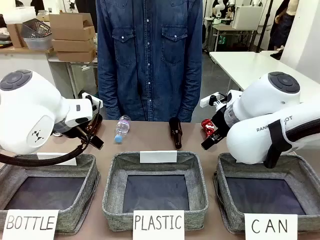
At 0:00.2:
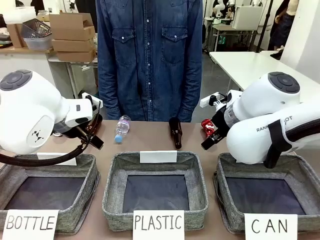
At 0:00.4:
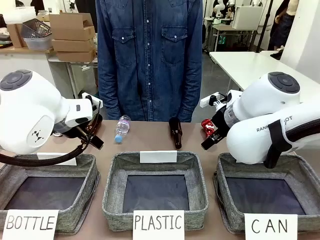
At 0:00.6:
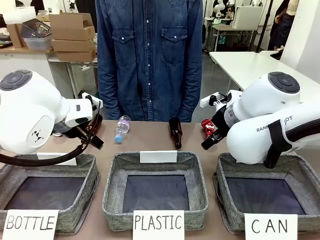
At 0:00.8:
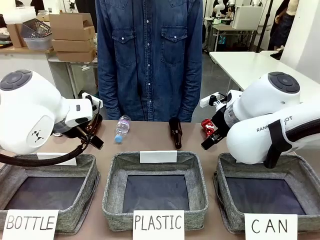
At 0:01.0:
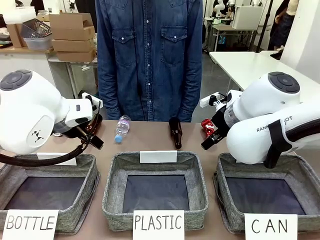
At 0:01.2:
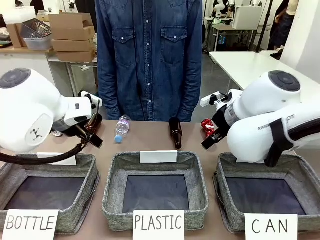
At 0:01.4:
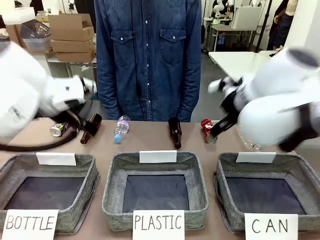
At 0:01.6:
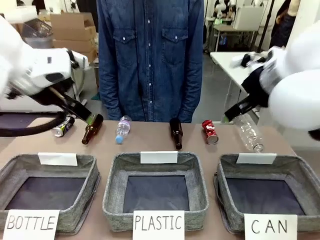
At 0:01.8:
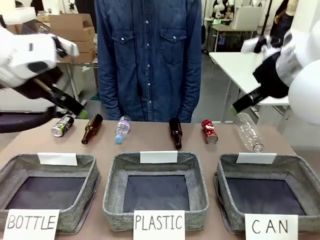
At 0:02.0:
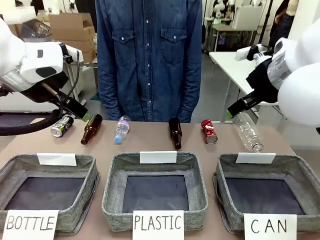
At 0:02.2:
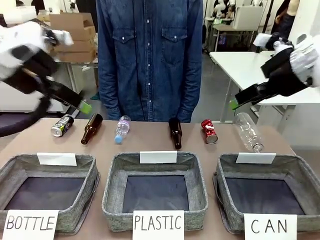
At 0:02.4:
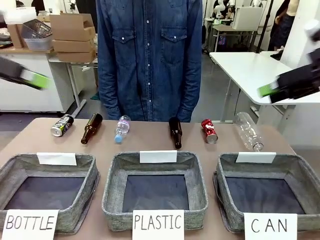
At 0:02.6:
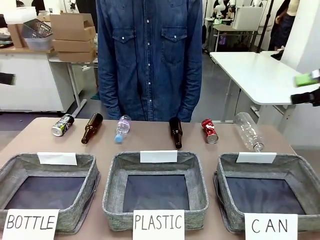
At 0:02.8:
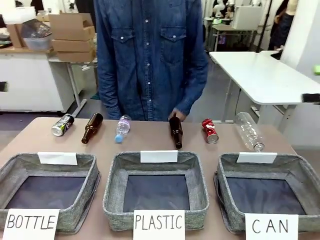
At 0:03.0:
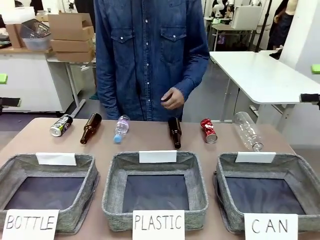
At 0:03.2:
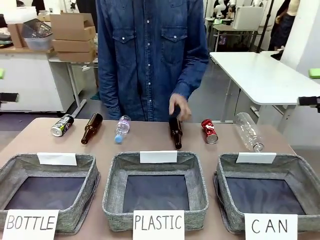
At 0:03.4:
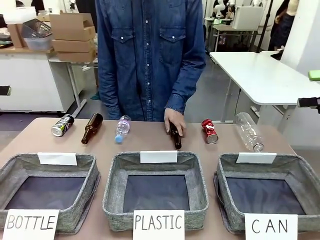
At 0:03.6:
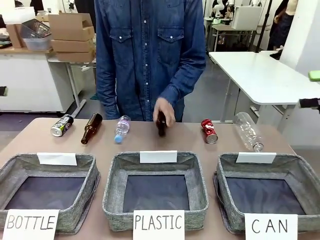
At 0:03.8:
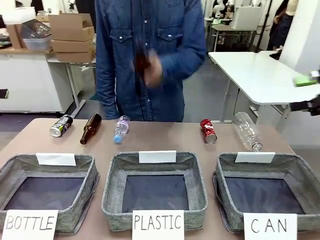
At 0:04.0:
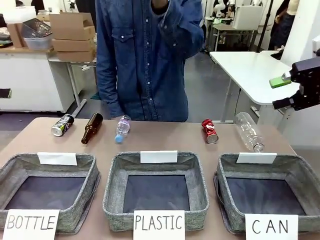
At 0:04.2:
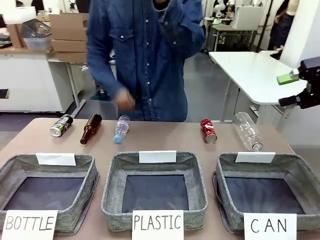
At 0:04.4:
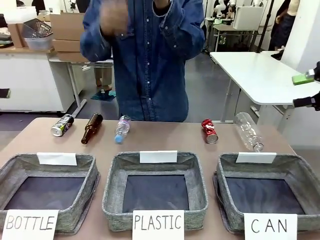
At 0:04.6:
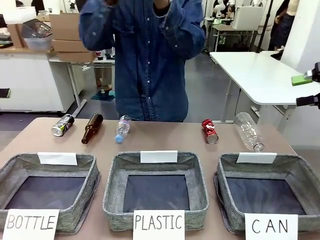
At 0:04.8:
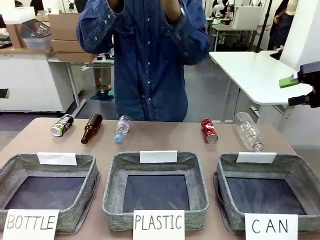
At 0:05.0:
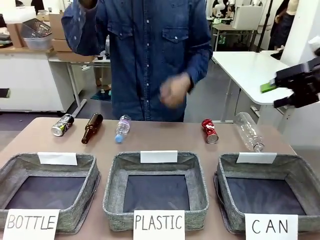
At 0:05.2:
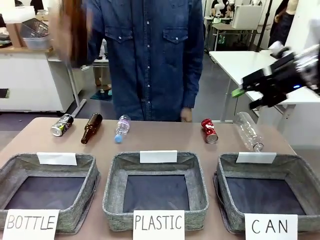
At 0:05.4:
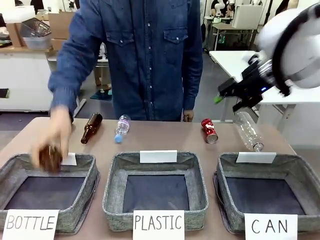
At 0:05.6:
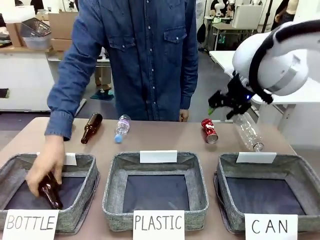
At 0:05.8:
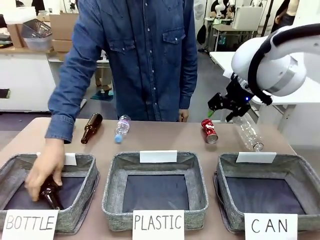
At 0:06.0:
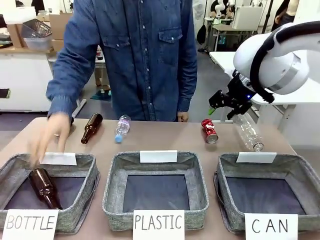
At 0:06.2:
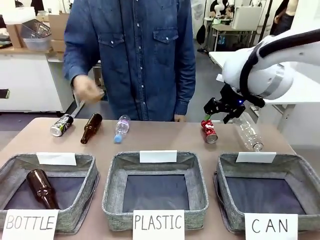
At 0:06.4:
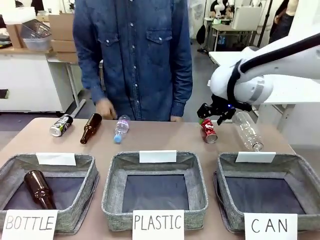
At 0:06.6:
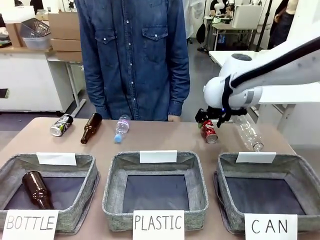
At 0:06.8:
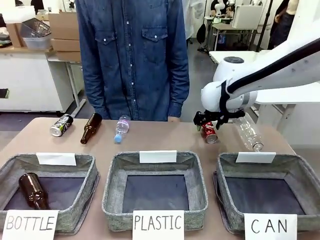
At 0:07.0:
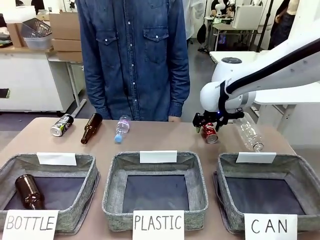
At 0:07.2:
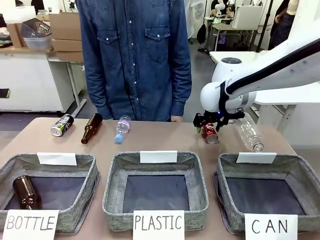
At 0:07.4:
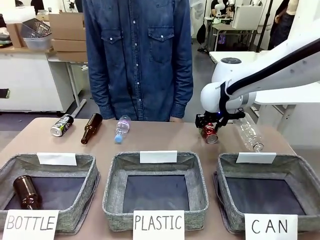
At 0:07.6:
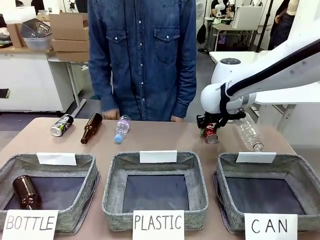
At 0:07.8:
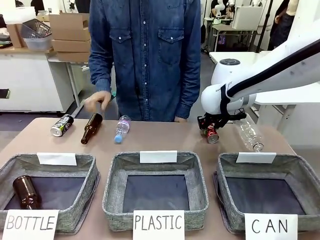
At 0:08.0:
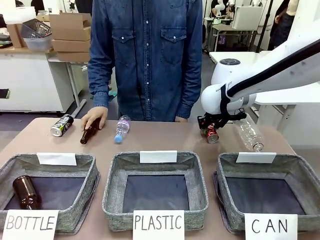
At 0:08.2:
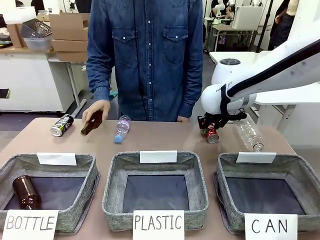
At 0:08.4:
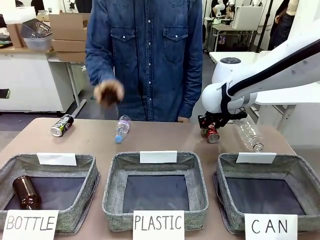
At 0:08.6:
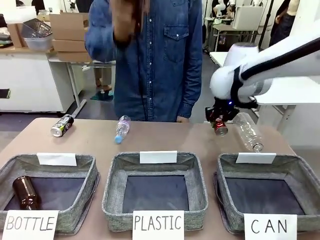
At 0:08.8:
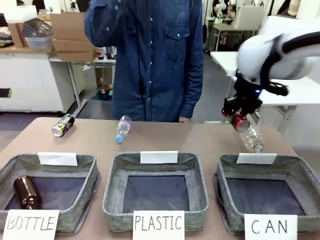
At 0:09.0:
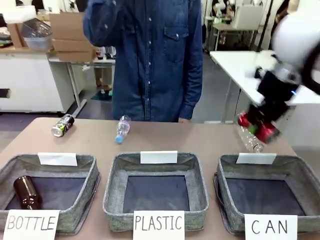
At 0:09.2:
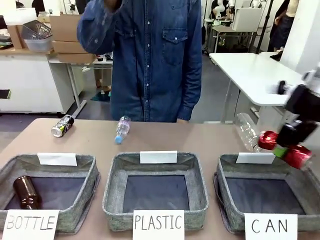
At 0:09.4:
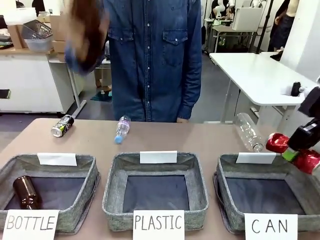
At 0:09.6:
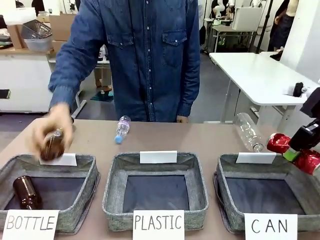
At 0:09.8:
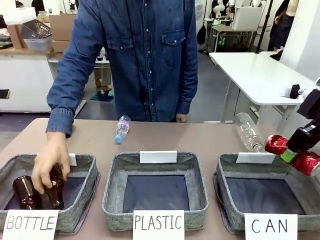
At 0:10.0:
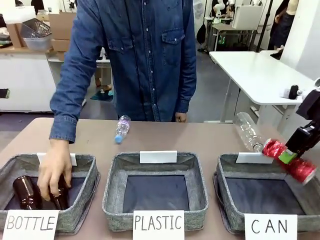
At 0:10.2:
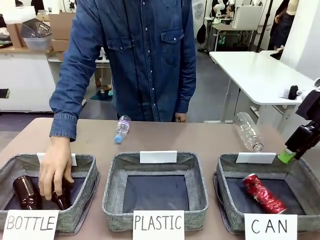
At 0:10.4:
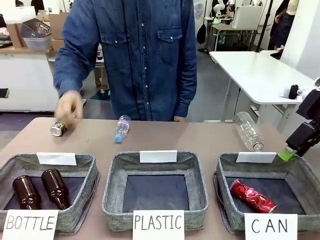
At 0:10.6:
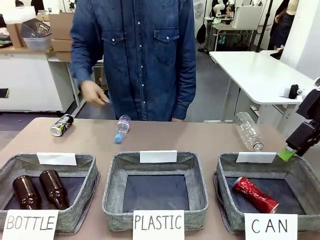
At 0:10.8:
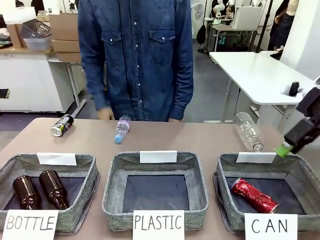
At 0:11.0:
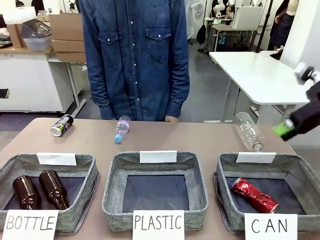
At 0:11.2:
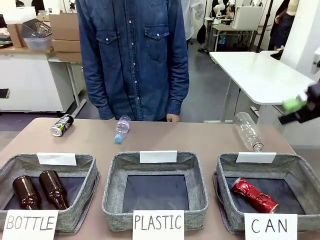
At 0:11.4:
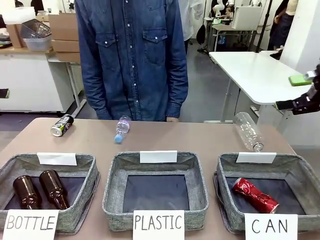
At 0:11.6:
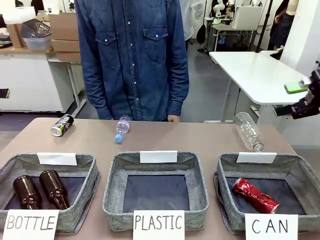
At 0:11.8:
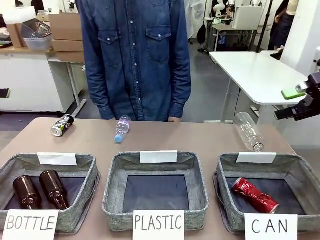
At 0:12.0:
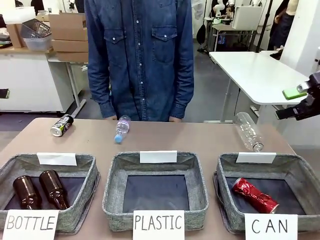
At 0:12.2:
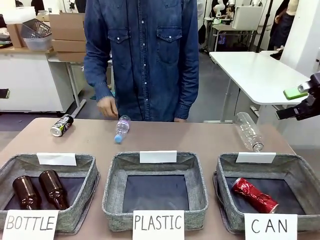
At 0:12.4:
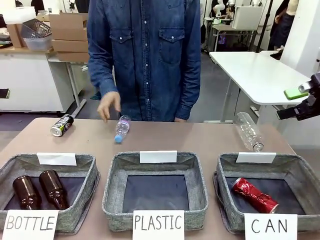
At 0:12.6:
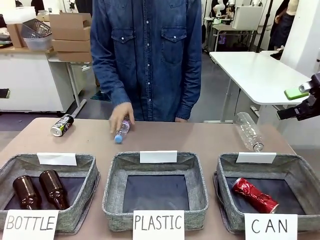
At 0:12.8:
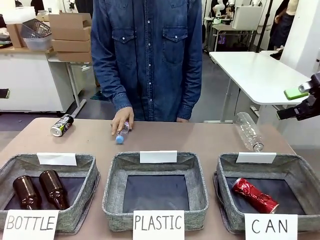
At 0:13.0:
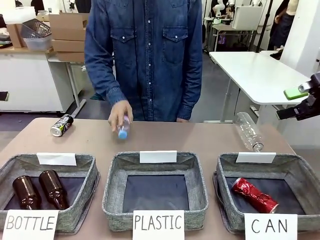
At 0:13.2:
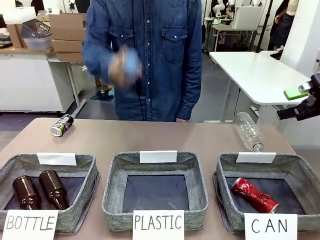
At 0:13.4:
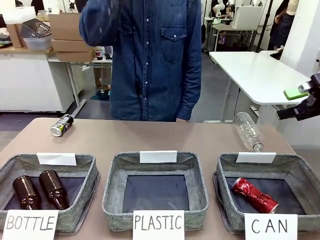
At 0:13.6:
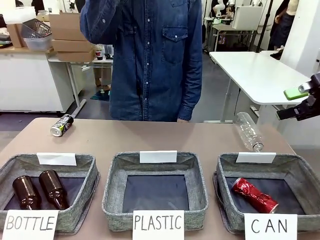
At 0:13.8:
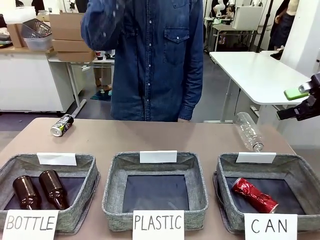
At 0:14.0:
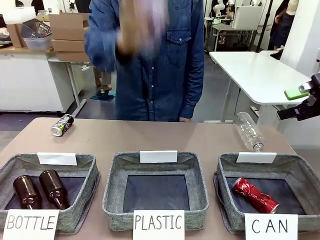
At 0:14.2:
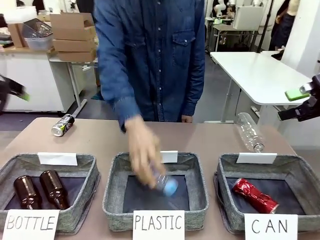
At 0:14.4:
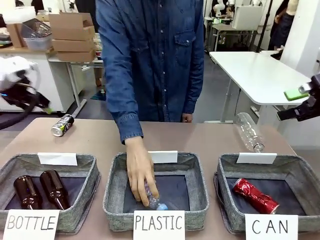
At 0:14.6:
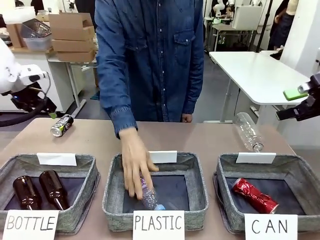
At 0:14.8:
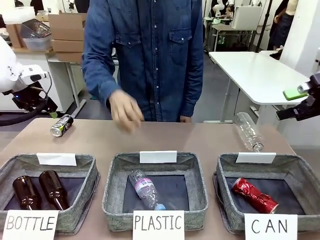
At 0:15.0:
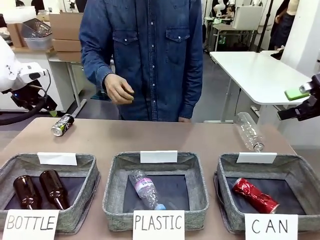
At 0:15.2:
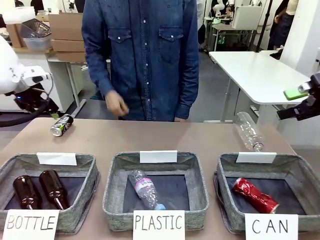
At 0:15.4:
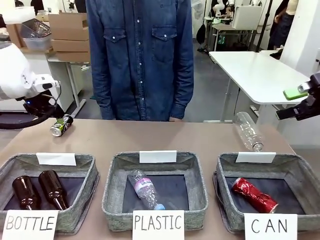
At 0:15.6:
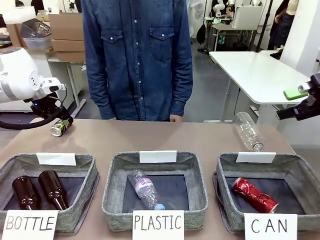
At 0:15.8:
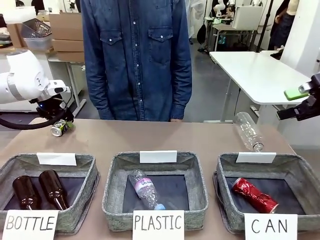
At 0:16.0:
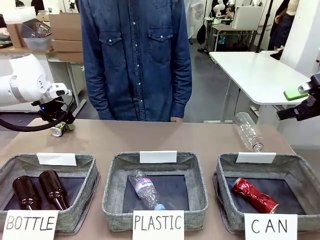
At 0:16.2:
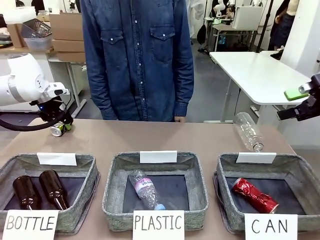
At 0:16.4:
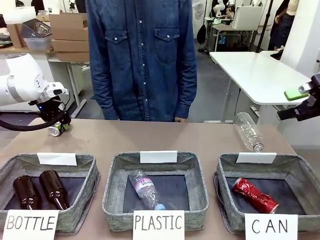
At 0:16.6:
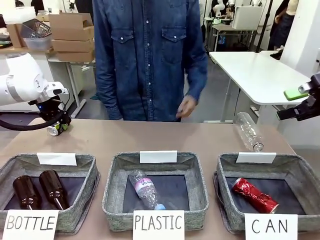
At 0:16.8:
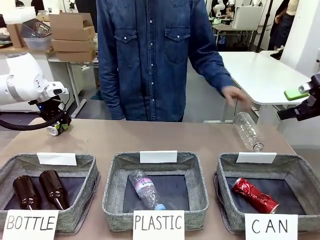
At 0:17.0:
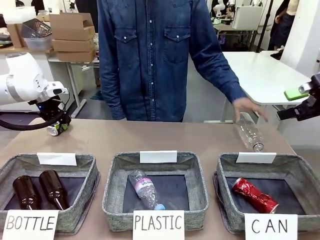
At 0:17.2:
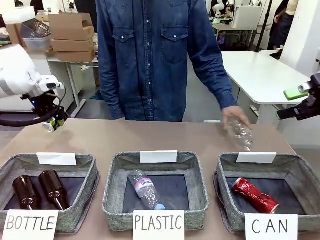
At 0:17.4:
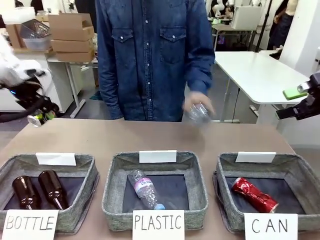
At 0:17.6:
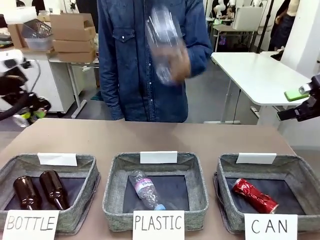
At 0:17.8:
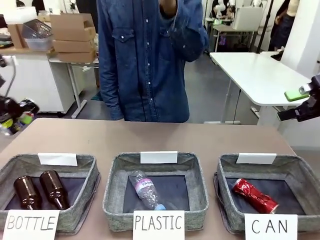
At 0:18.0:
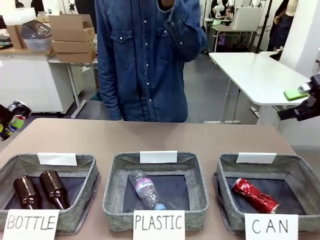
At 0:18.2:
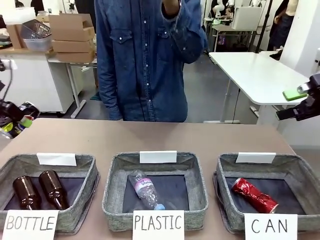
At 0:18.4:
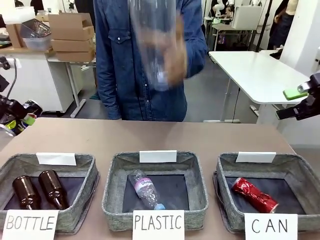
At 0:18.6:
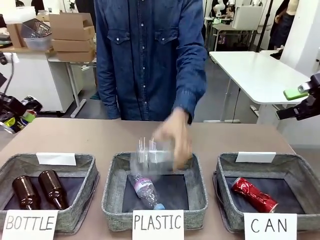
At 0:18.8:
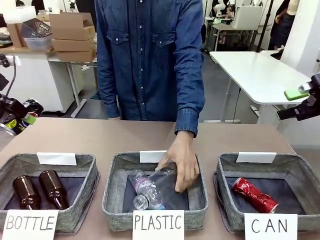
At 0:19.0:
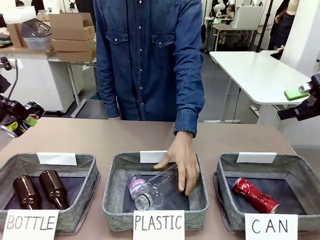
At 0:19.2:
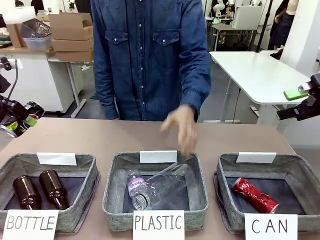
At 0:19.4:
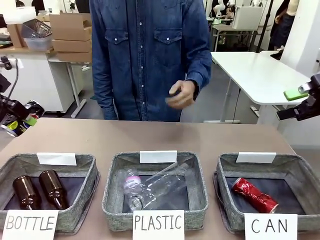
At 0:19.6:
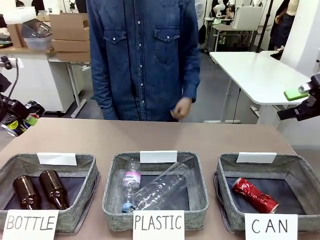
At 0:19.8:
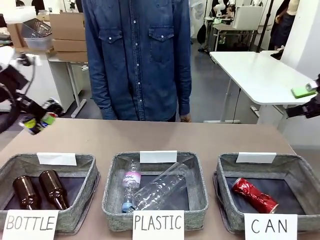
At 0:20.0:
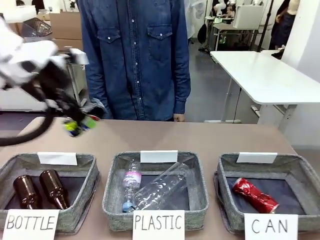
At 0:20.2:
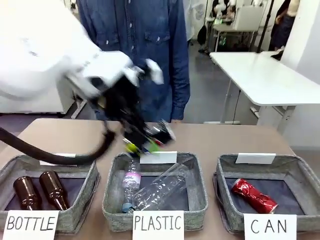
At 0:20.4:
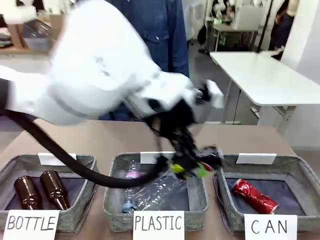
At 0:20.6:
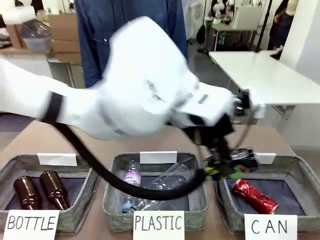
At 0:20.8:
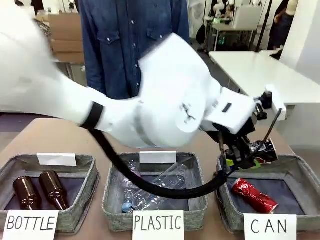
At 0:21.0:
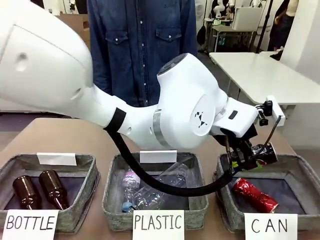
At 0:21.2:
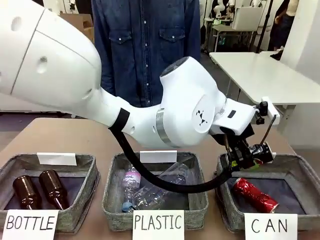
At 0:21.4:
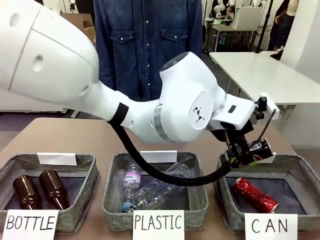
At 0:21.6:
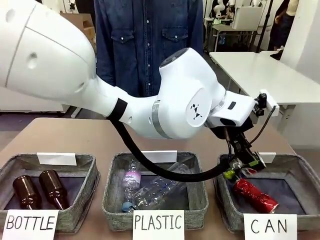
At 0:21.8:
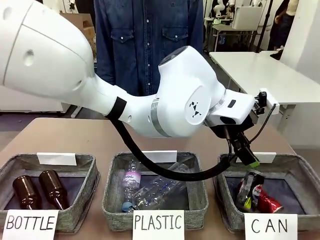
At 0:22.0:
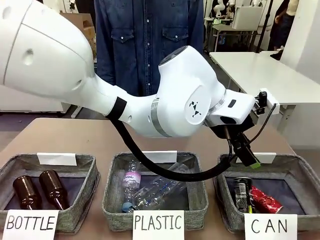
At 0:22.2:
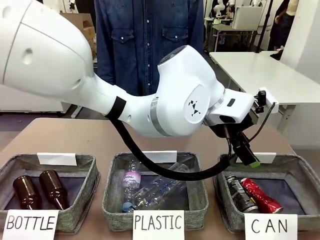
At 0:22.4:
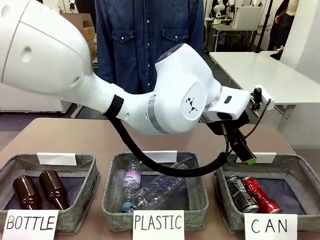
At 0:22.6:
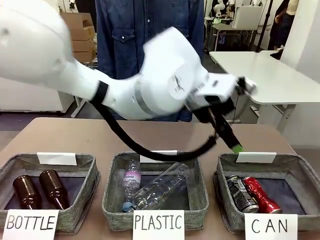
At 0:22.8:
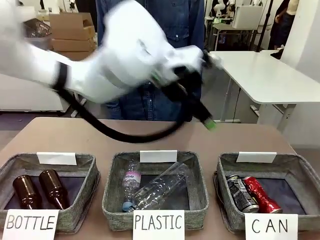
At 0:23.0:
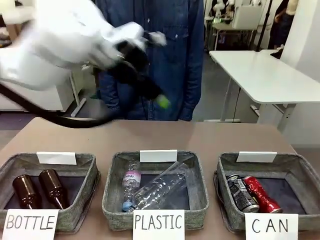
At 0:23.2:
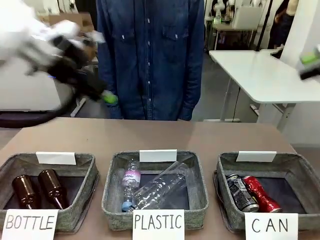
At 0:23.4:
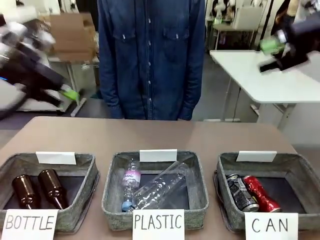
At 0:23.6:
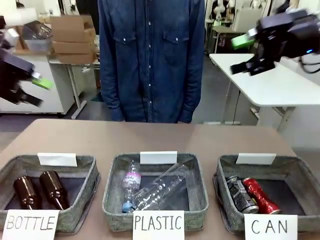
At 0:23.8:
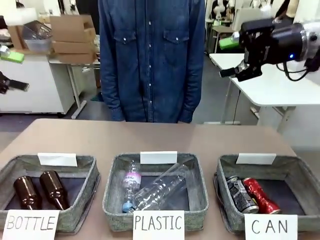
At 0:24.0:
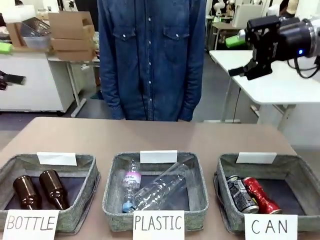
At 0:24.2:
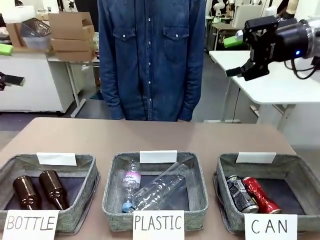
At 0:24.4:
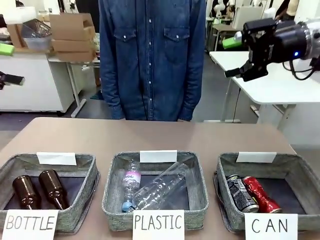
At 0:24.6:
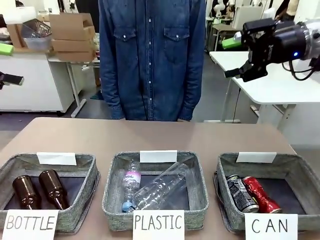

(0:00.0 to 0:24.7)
Task: Sort the can waste into the basket.
Robot: Pick up the can waste from the table and place it in the right Fabric basket.
Person: The human picks up one piece of trash that is not a can and places the trash into the appropriate organizing basket.
